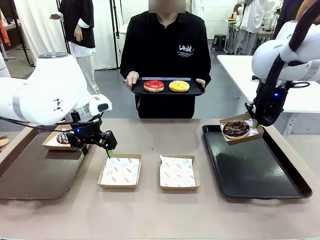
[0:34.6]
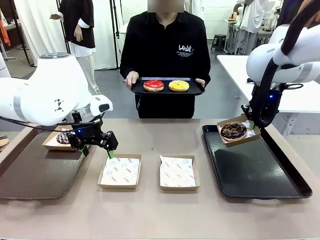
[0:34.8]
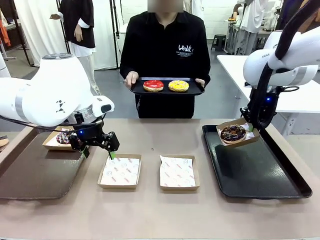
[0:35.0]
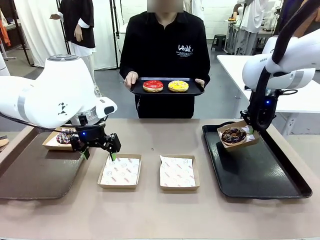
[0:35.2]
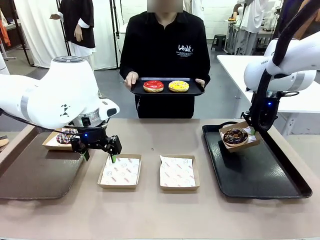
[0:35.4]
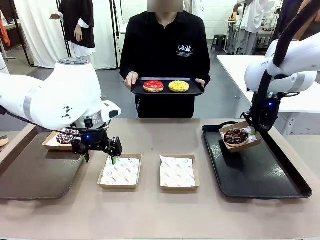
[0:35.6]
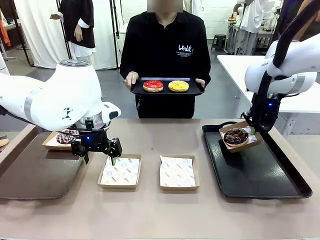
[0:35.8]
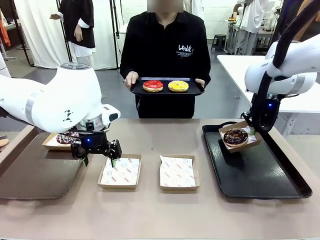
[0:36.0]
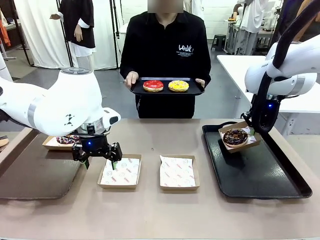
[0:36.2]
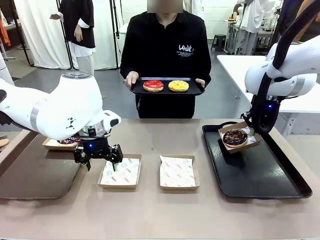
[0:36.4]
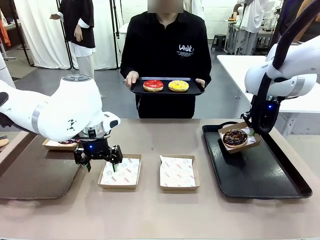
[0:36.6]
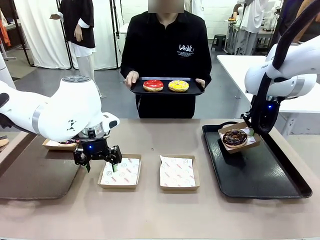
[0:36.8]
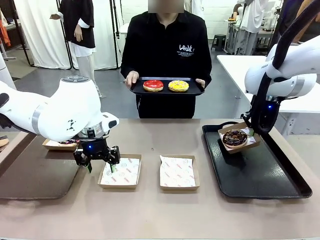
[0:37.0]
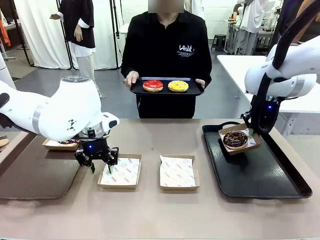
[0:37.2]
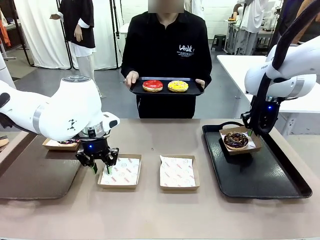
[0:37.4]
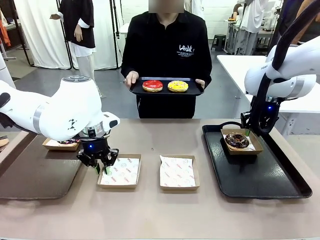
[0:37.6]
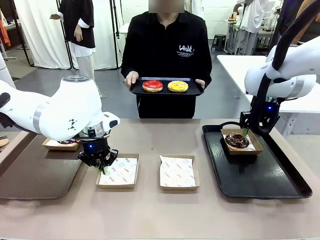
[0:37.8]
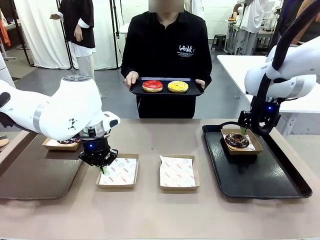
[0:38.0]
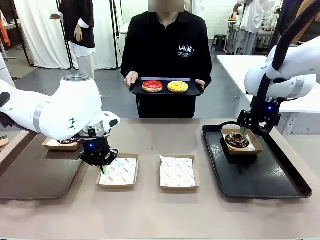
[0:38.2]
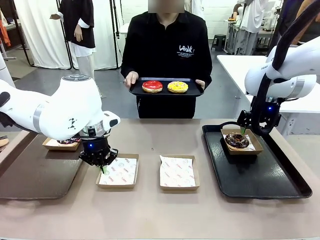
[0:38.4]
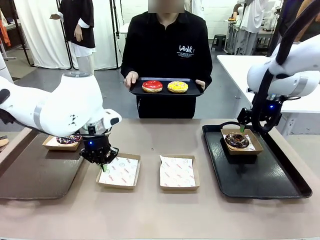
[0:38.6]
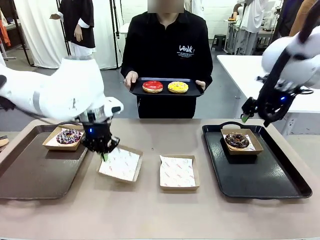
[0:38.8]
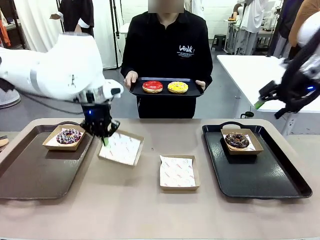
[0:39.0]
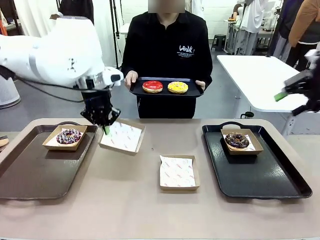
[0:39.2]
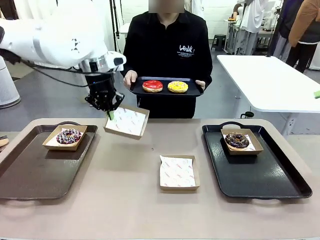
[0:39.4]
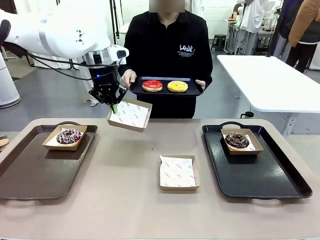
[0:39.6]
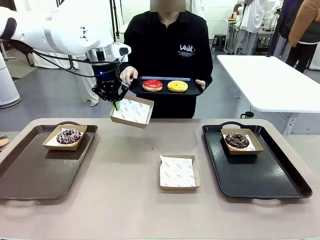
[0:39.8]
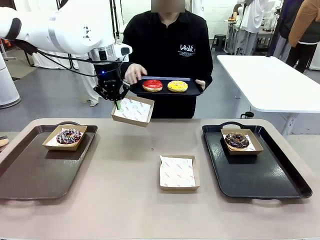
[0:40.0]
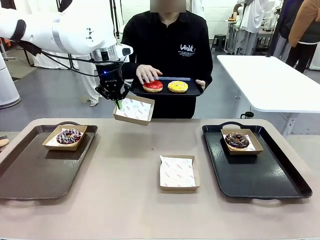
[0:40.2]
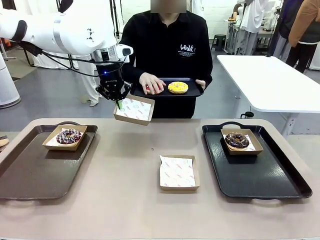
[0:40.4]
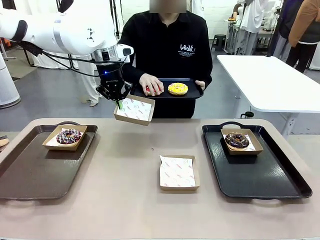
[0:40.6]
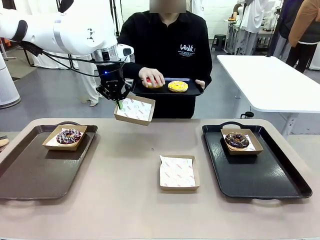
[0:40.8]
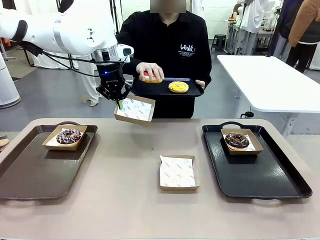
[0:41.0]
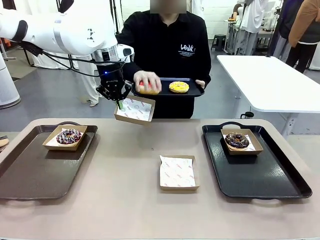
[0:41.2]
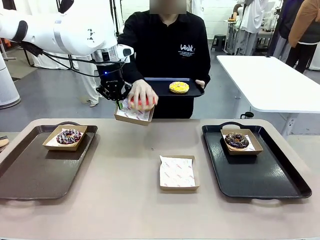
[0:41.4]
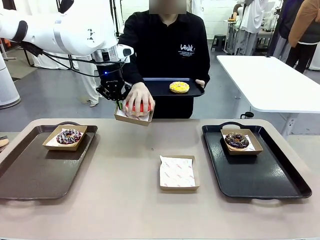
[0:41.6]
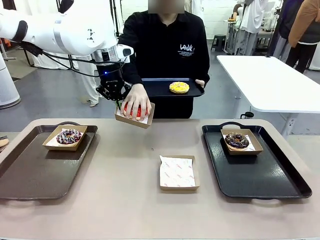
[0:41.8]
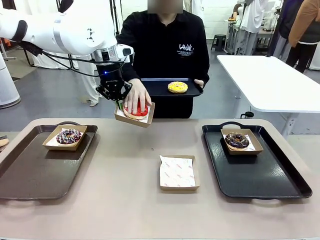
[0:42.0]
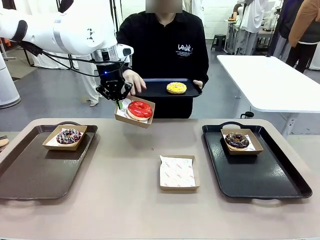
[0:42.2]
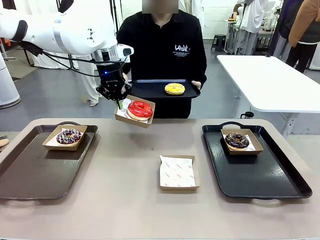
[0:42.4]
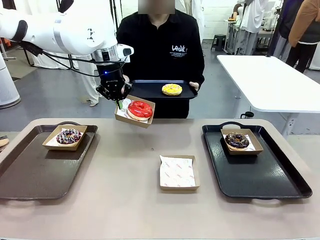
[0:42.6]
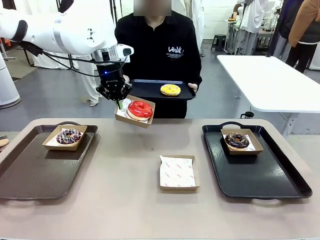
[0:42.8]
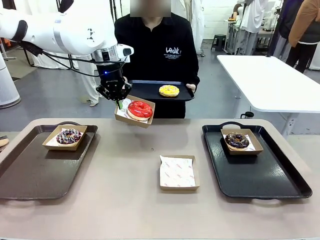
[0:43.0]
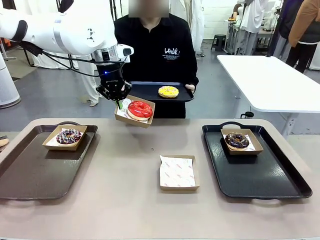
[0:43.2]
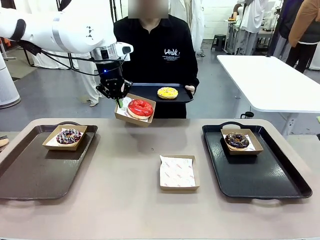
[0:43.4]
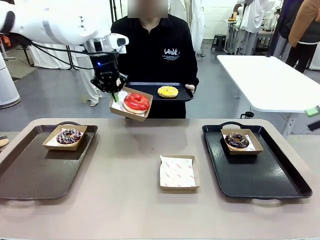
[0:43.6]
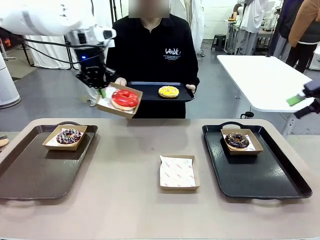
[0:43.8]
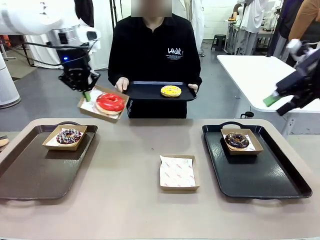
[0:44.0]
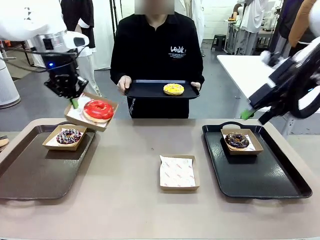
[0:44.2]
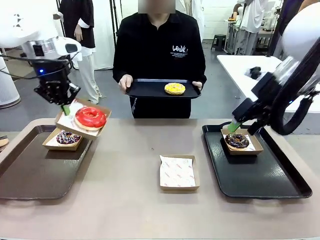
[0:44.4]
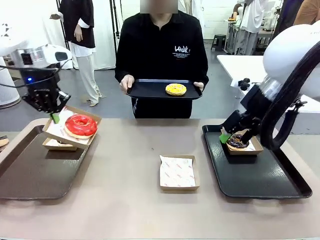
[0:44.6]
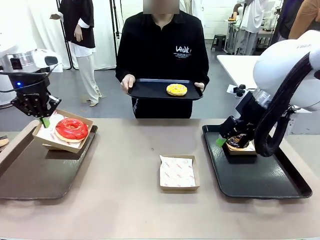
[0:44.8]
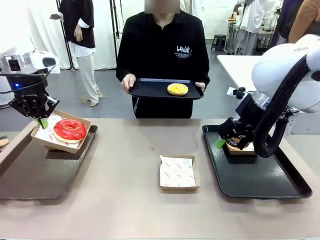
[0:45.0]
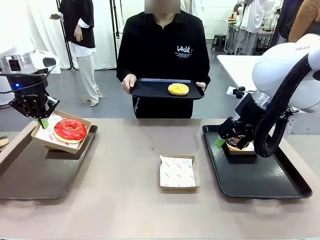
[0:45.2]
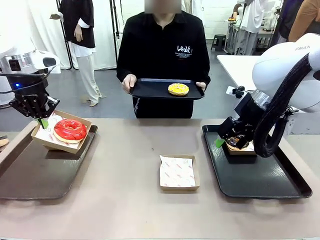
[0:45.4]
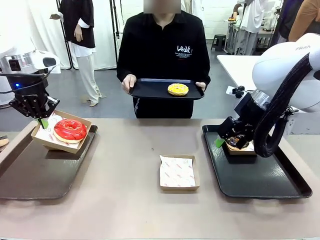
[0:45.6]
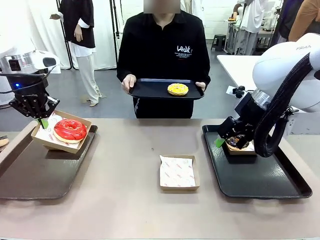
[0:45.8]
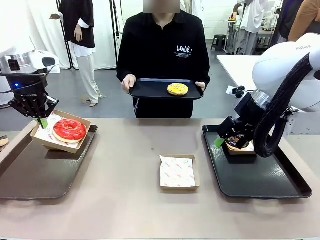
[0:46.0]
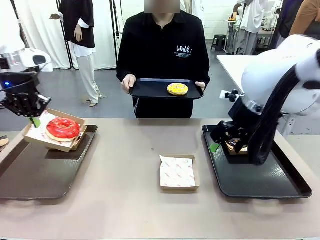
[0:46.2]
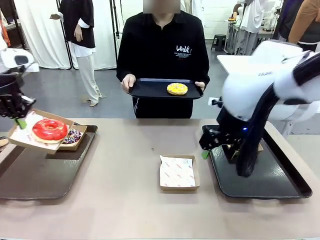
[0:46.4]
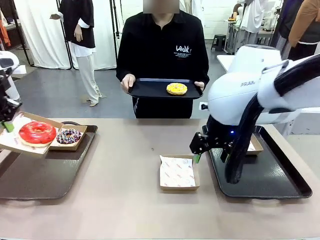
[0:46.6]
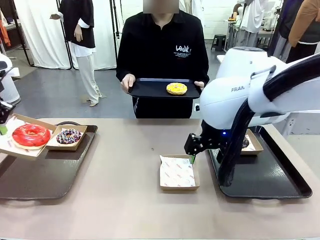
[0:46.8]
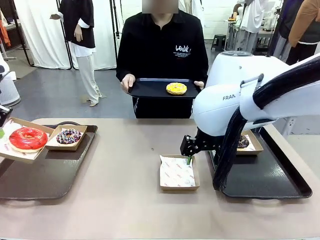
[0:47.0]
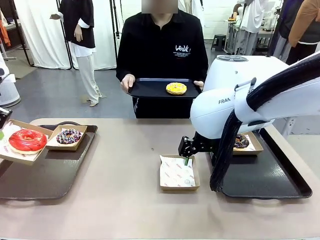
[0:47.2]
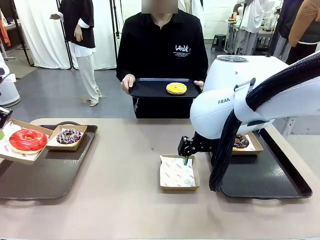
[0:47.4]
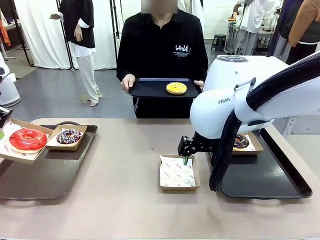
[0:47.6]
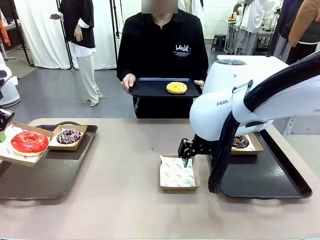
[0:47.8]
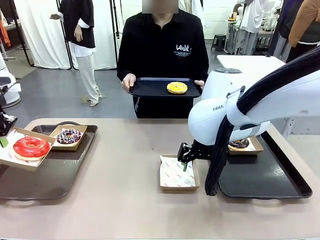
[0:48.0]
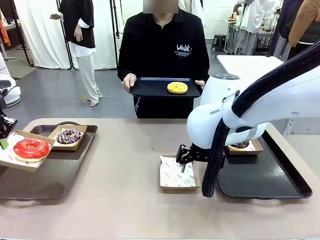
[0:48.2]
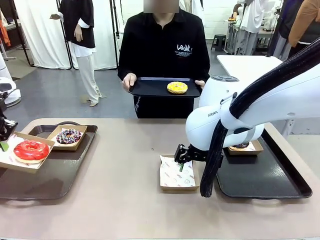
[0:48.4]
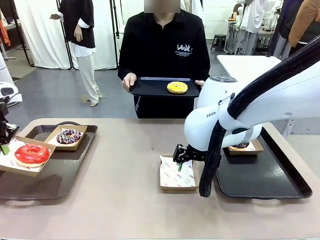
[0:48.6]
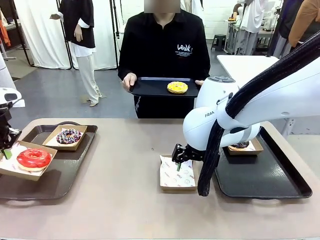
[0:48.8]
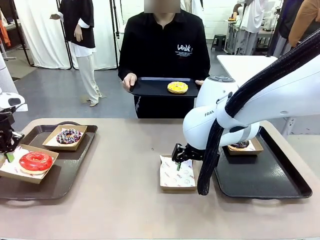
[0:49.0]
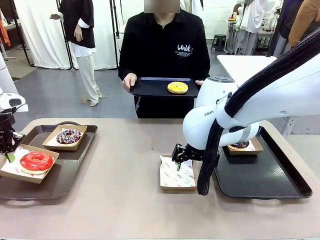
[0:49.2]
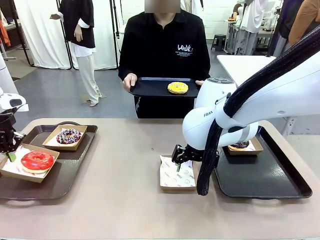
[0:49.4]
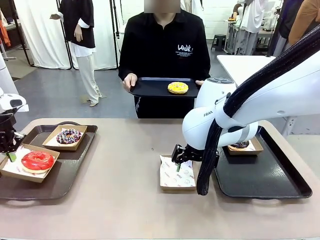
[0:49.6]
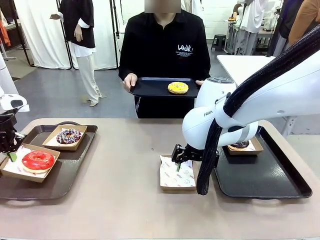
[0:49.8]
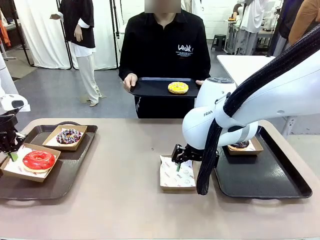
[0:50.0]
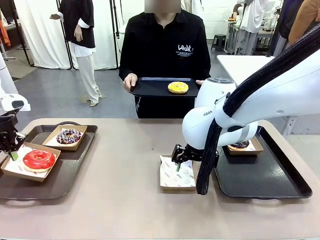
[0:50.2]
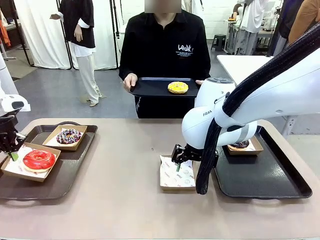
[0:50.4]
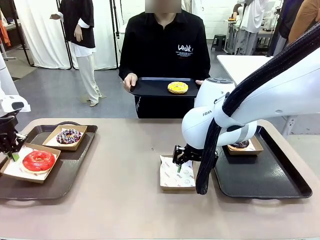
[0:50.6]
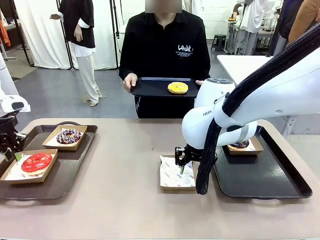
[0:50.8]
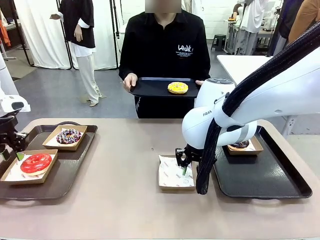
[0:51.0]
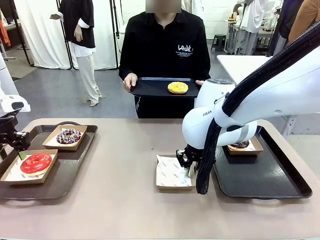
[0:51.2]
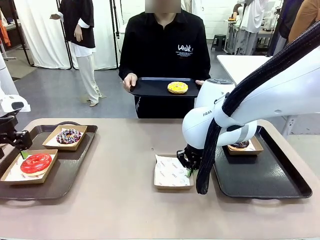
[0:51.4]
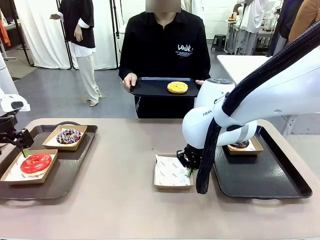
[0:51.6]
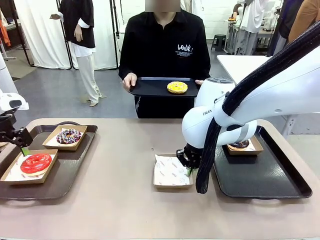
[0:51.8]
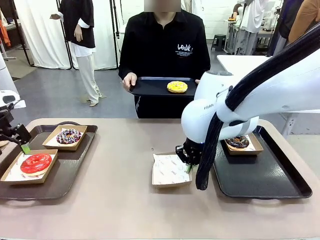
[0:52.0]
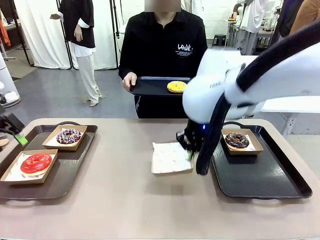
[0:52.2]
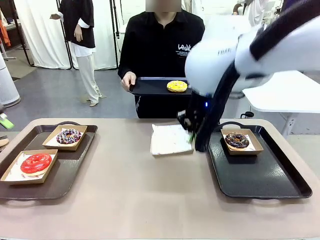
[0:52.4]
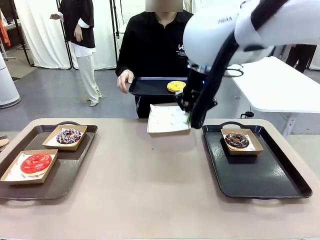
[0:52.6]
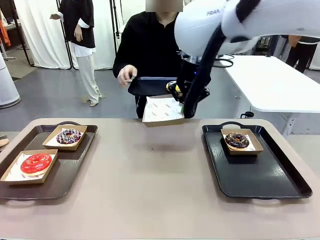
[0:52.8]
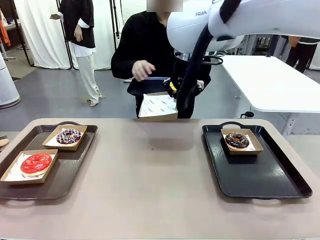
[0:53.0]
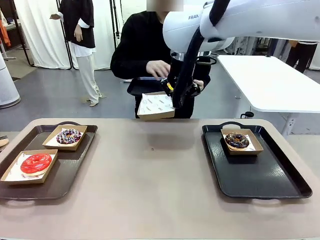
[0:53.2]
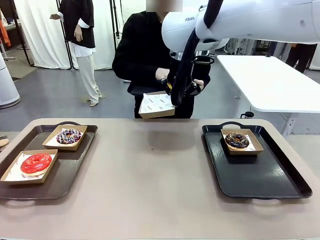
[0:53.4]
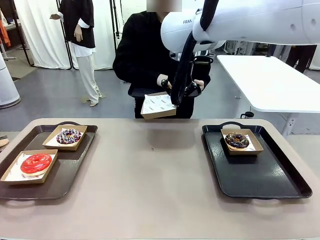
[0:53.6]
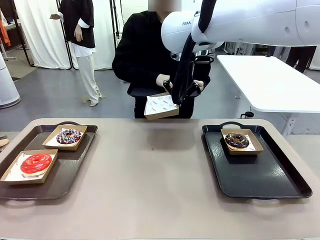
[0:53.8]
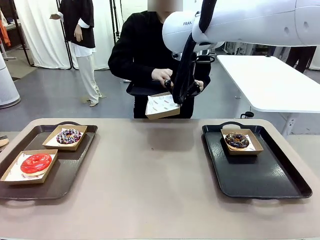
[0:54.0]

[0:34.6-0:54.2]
Task: Individually package the donuts and arrange them on the tray.
Robot: Place the picked Paper togo box on the Handle tray while simultaneously picking up another Paper togo box from the table with the other hand.
